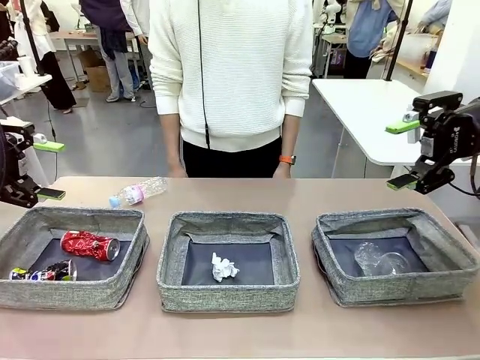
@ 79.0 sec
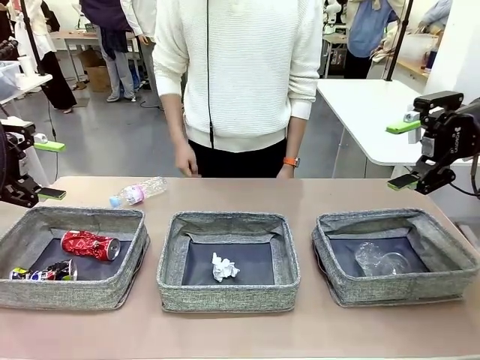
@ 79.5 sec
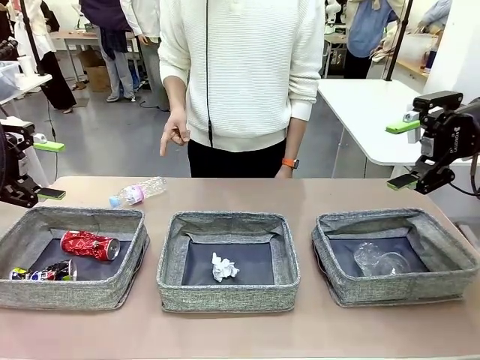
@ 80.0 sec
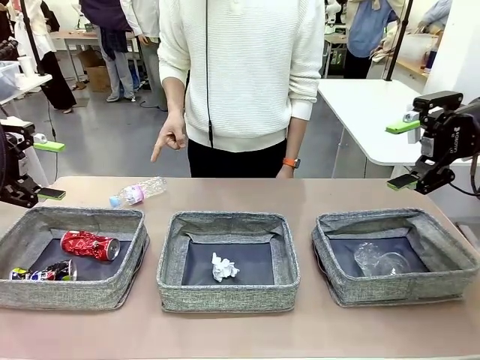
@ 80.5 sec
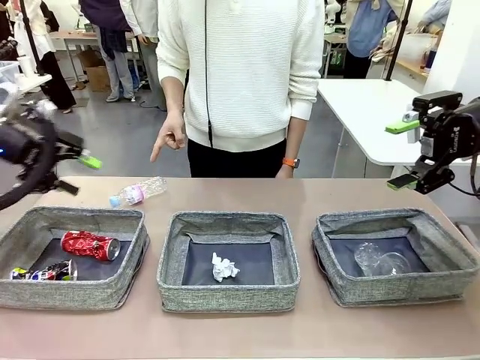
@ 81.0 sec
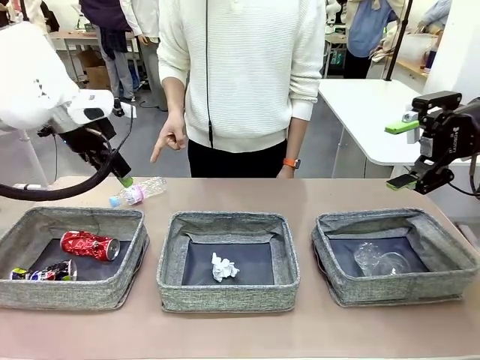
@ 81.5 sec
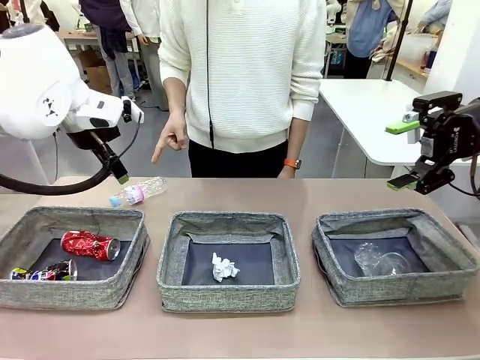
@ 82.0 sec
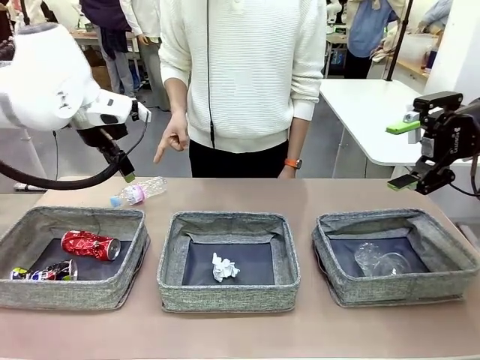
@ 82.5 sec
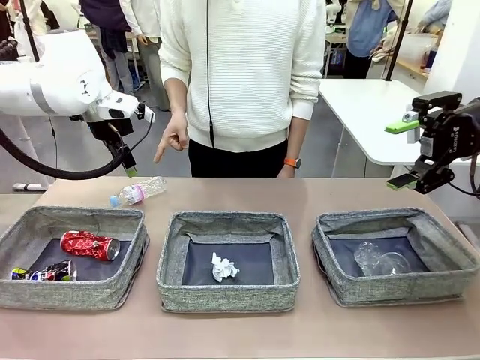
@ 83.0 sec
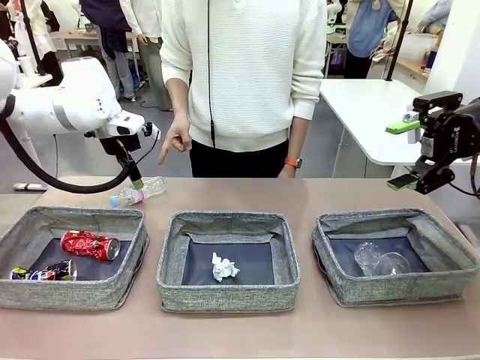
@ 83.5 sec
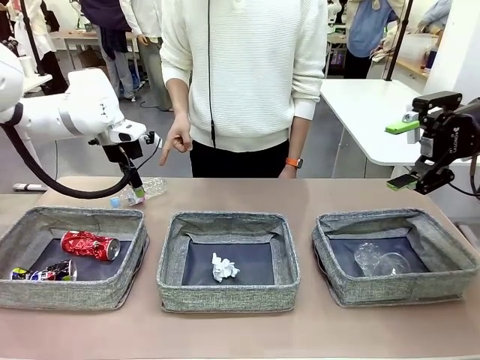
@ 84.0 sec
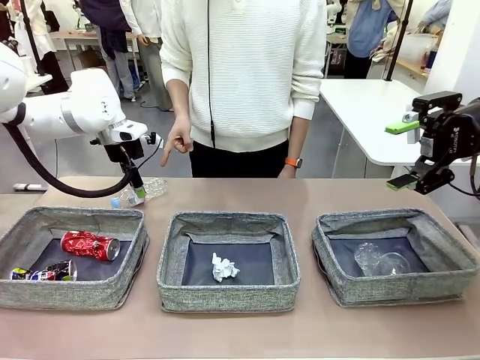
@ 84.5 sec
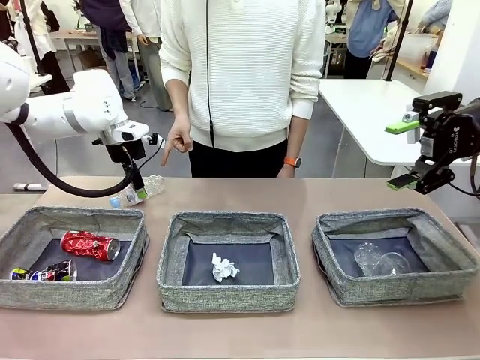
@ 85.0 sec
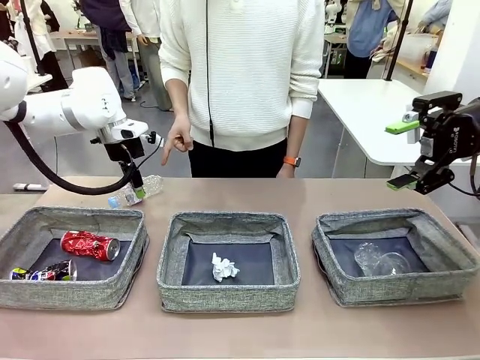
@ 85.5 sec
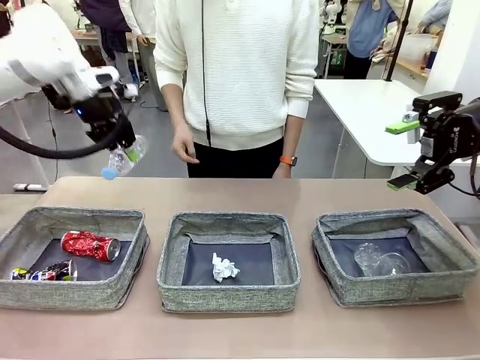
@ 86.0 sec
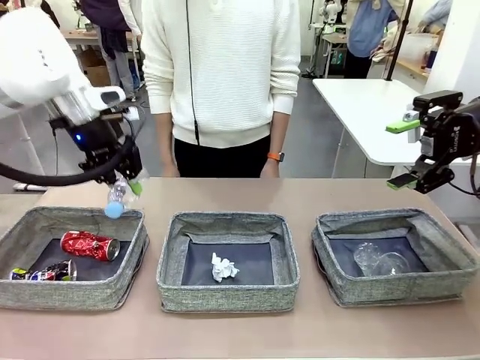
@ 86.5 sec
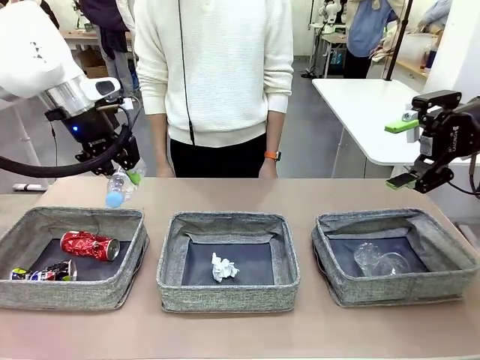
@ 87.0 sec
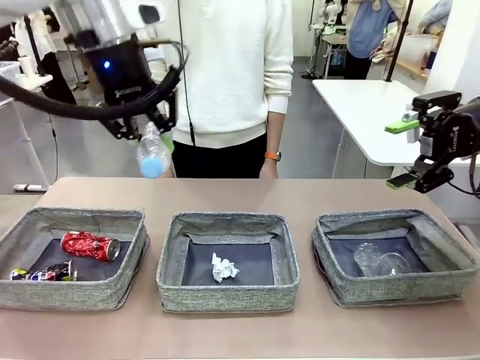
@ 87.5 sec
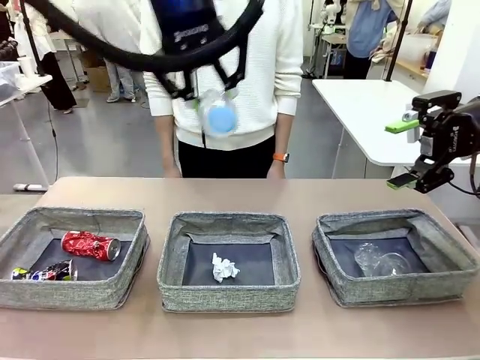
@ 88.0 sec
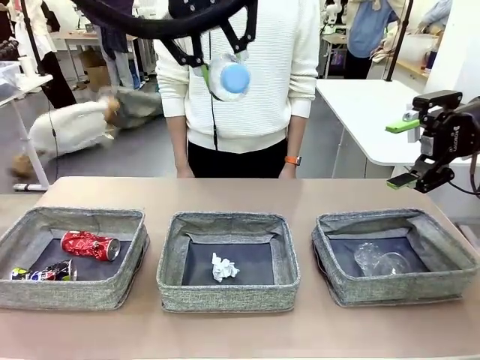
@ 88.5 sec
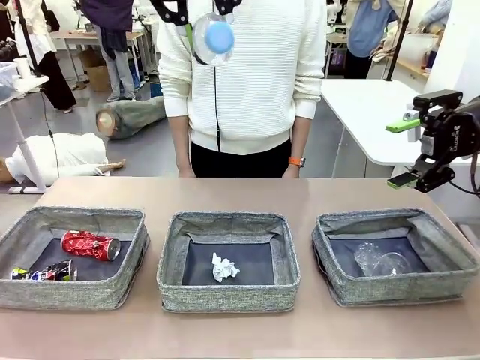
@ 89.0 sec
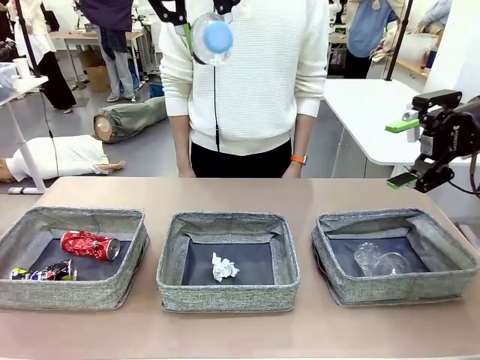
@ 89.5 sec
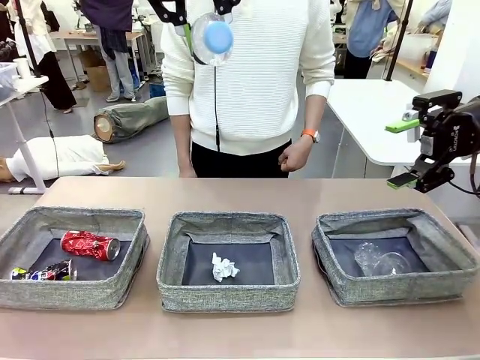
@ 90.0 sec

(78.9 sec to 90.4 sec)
Task: Sort the waste into the appropriate baskets.
Robot: Pick up the waste item pointed out by the person.
Person: Points to one piece of trash on the table.

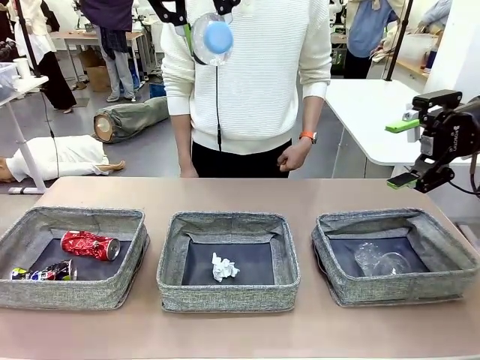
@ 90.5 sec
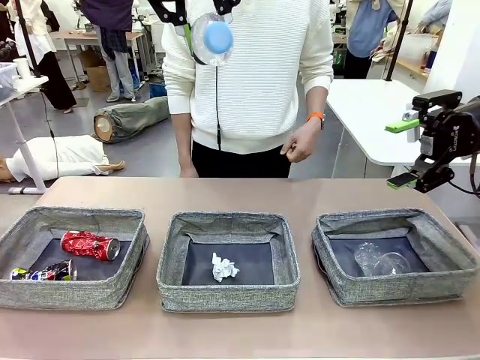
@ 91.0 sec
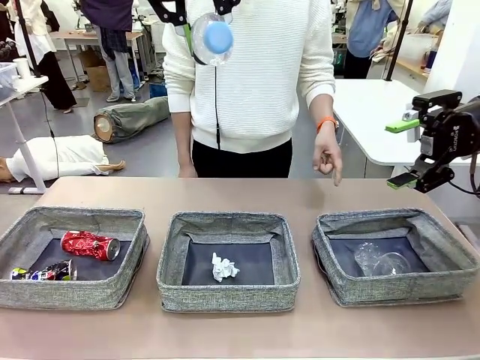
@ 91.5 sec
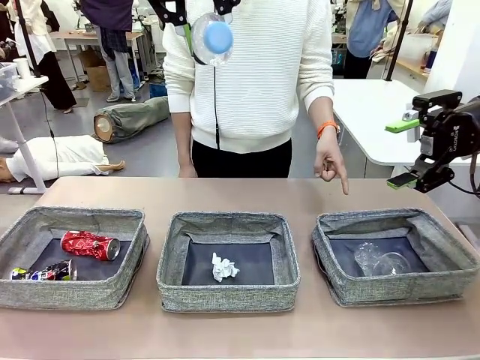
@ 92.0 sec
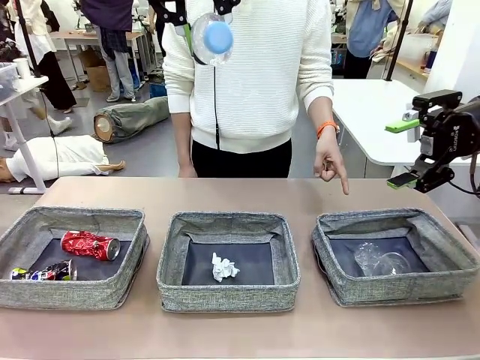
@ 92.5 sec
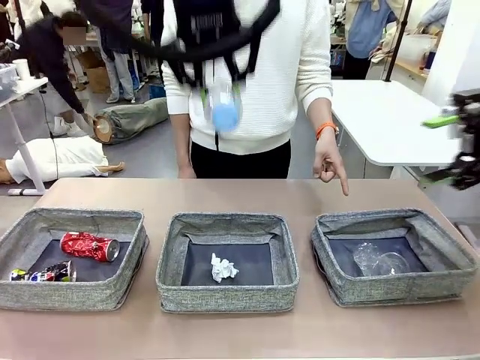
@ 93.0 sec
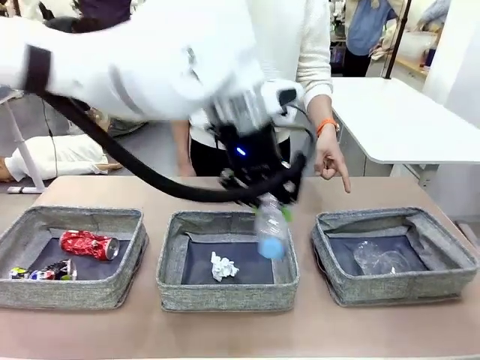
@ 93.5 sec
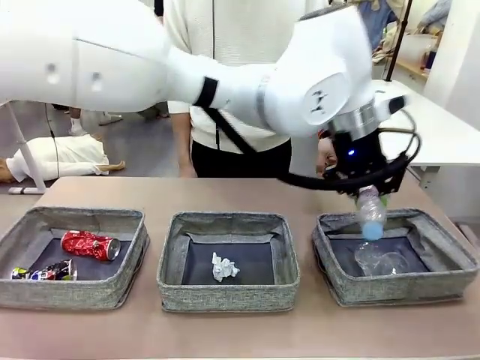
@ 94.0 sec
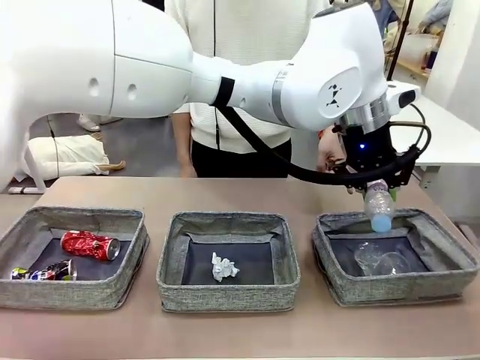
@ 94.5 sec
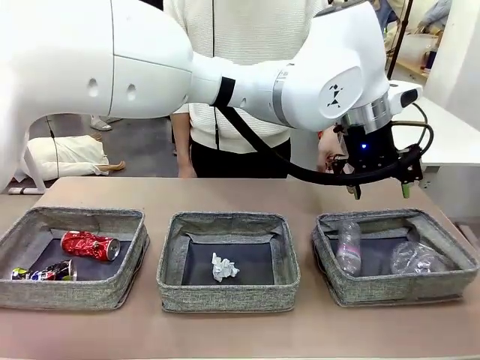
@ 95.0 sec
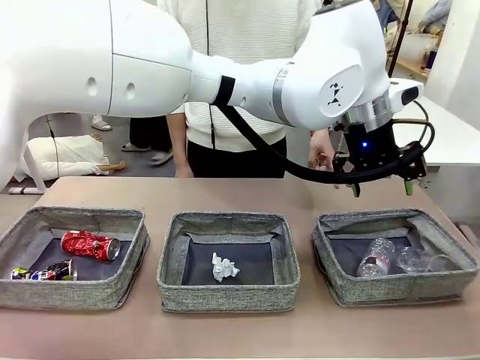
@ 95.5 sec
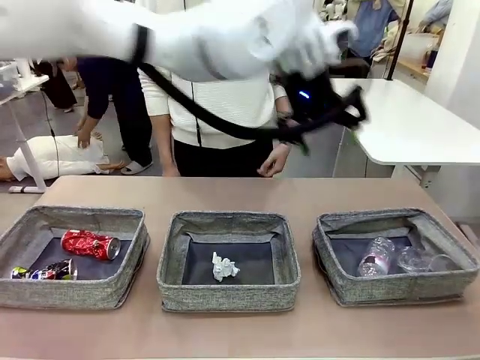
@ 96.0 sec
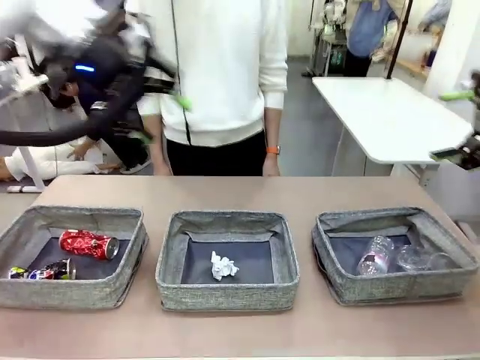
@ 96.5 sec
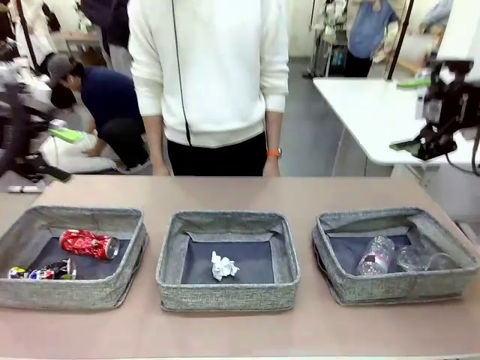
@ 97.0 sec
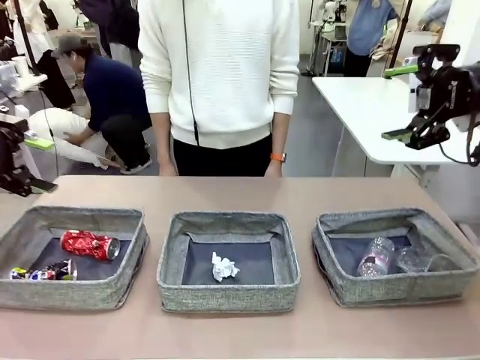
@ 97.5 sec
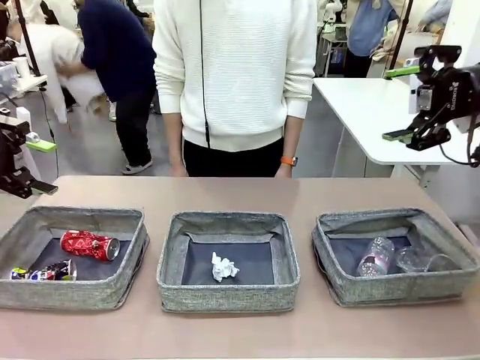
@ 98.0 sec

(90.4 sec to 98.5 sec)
Robot: Place the picked waste into the Fabric basket indicated by the person.
Person: Instructs the robot to place the picked-up trash into the appropriate organizing basket.

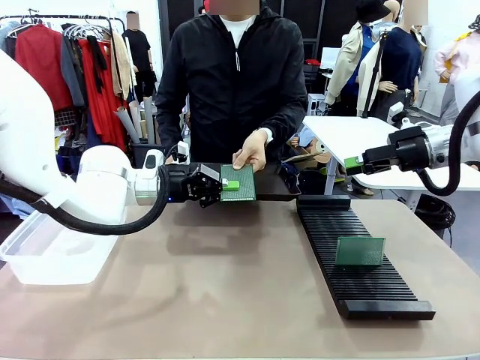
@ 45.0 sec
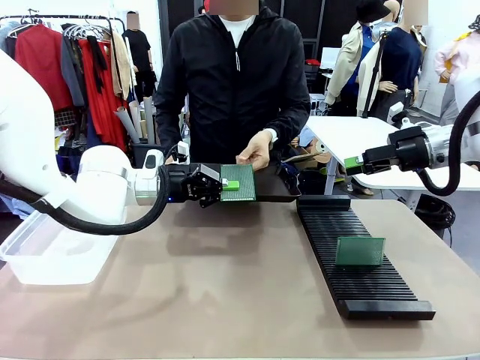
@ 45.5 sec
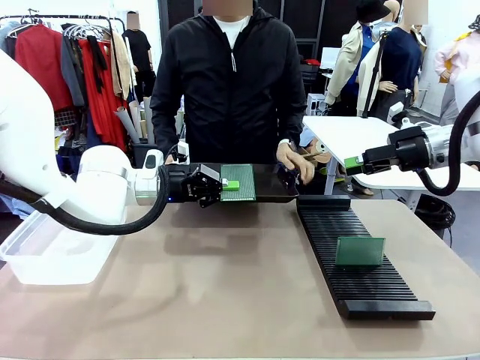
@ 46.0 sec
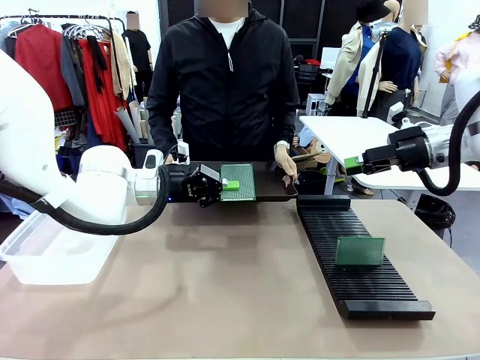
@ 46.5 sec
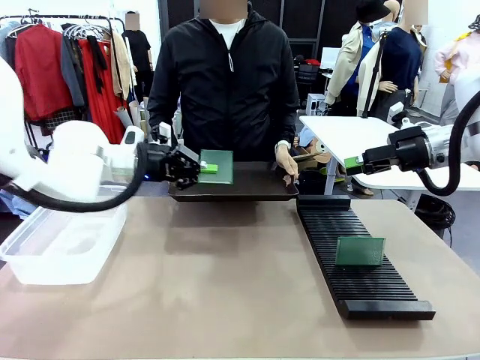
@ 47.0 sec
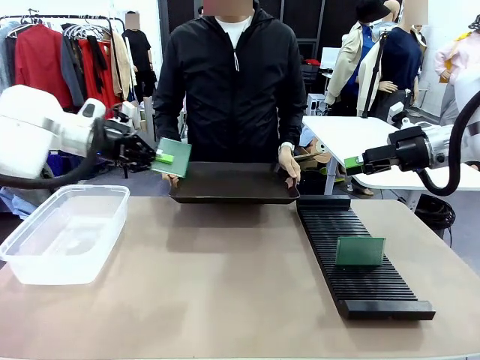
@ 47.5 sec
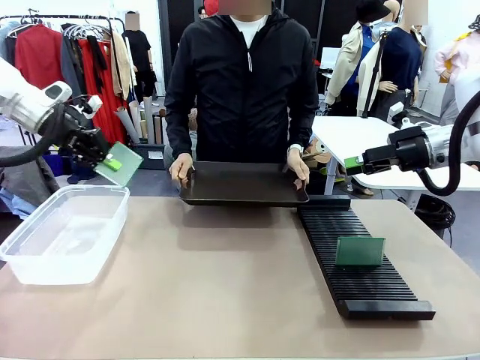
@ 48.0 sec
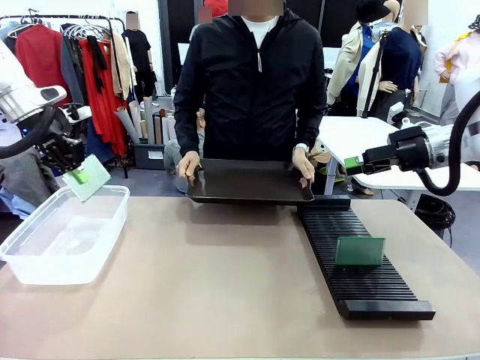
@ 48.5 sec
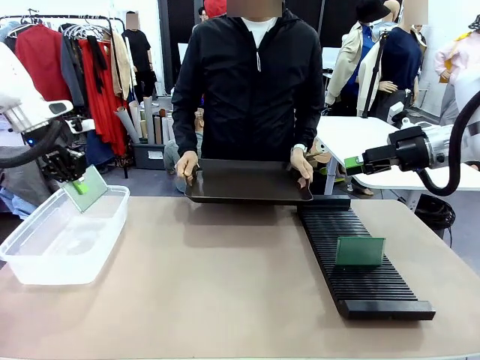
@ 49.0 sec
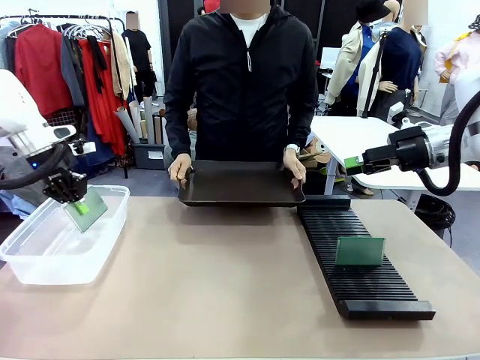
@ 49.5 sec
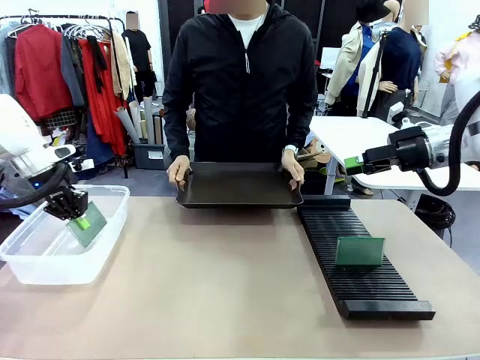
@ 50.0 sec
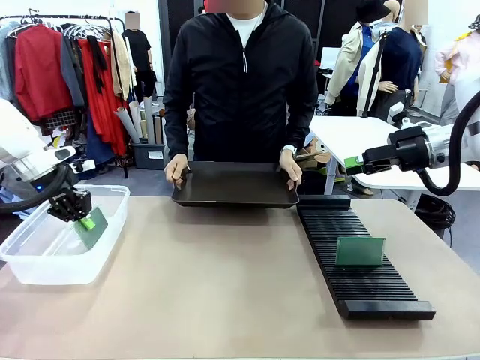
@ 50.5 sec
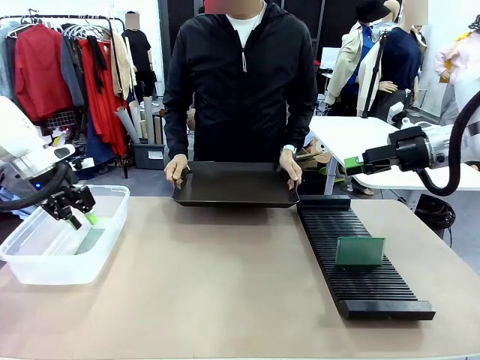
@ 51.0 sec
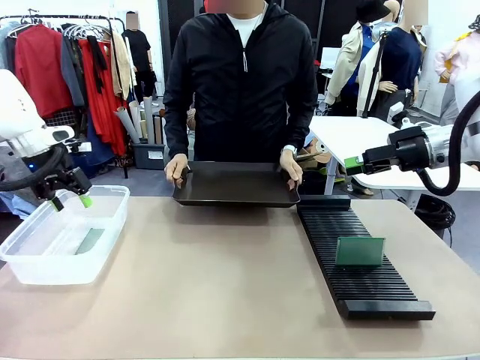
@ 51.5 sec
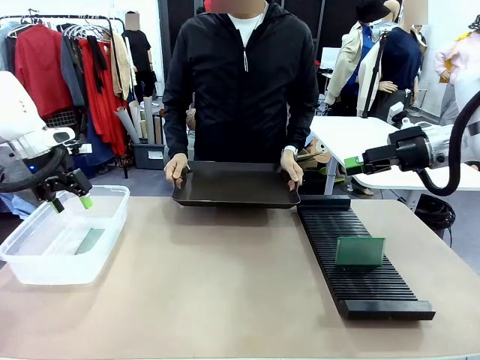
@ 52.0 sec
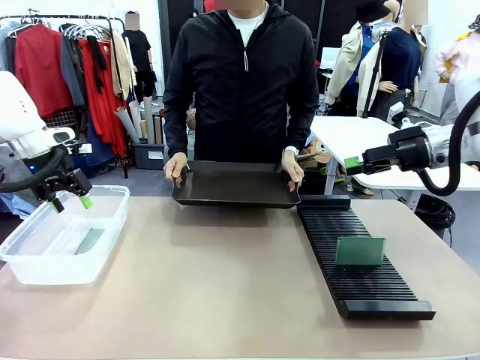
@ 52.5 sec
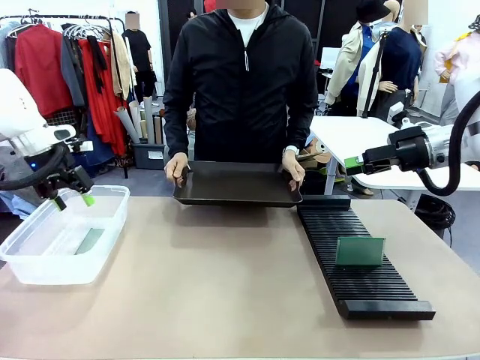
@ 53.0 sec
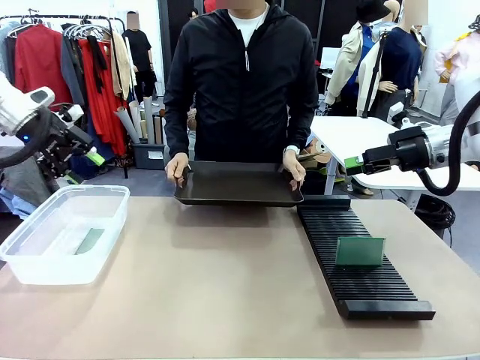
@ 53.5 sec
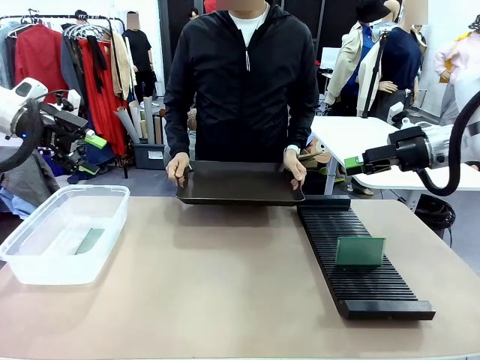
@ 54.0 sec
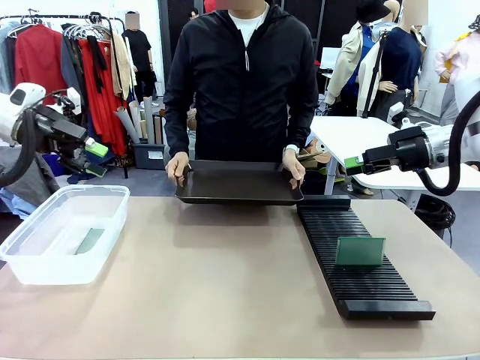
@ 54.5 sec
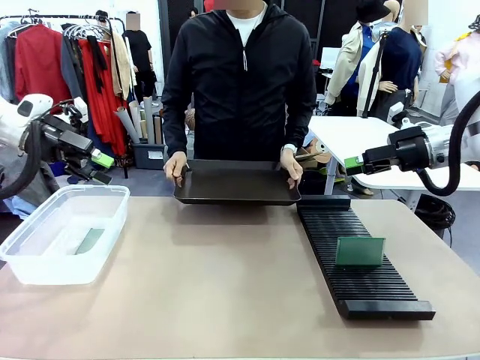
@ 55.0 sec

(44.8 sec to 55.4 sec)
Task: Sort PCBs into racks and boxes based on the side picked up.
Robot: If the short side of the Blank PCB is picked up, insert it into the PCB Rack ; if the long side is picked up, place it in the Organizing box.
Person: Release the PCB being held.
